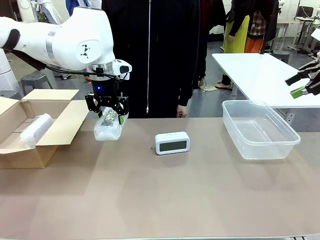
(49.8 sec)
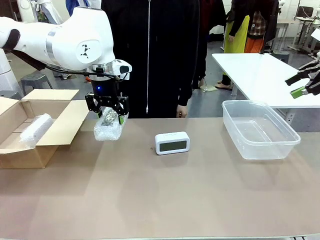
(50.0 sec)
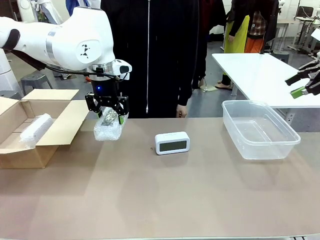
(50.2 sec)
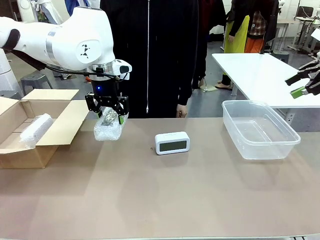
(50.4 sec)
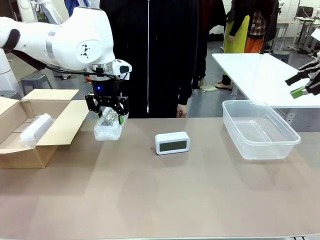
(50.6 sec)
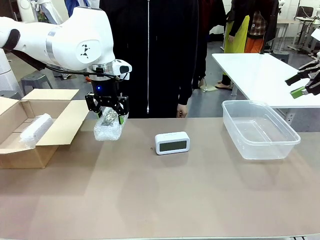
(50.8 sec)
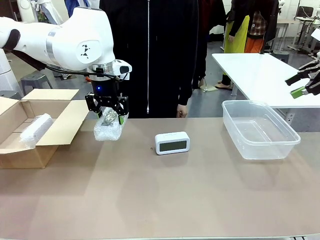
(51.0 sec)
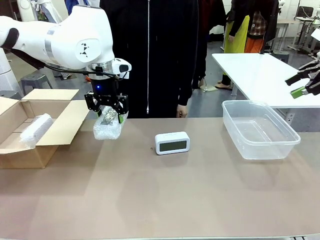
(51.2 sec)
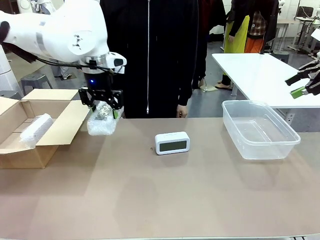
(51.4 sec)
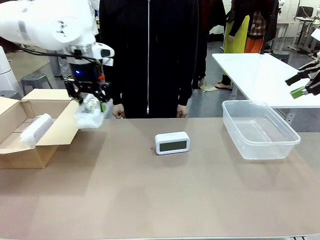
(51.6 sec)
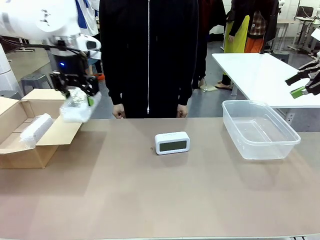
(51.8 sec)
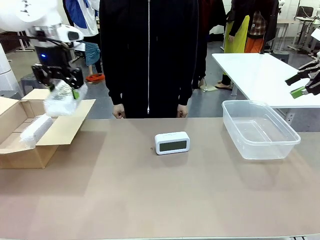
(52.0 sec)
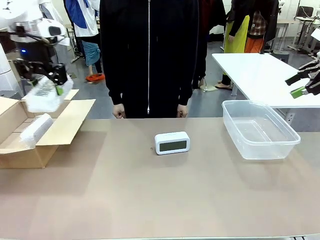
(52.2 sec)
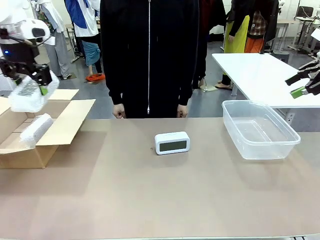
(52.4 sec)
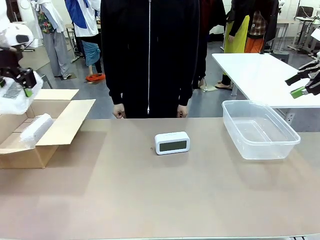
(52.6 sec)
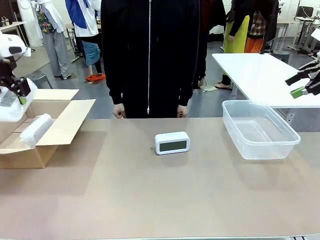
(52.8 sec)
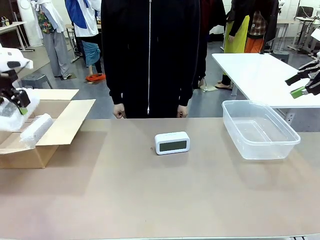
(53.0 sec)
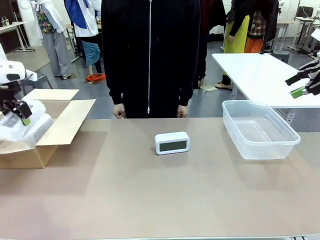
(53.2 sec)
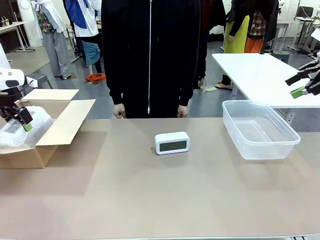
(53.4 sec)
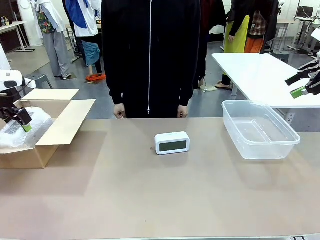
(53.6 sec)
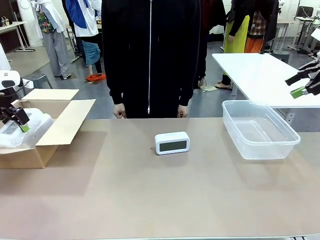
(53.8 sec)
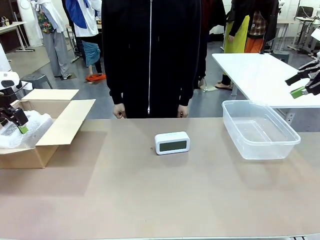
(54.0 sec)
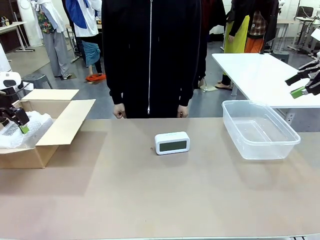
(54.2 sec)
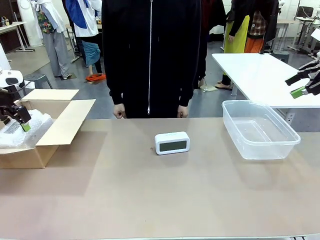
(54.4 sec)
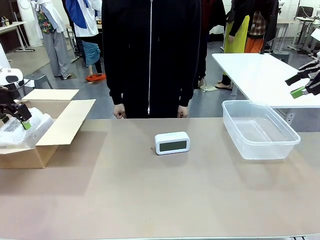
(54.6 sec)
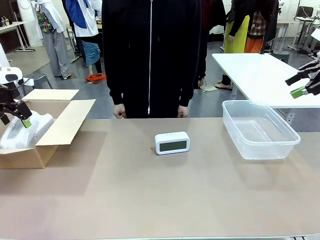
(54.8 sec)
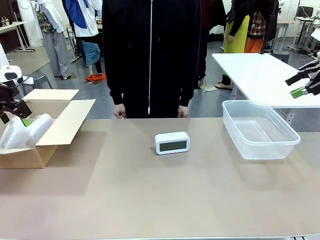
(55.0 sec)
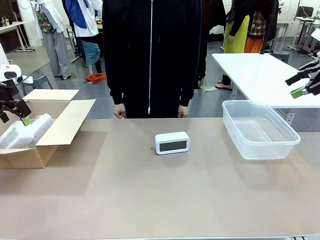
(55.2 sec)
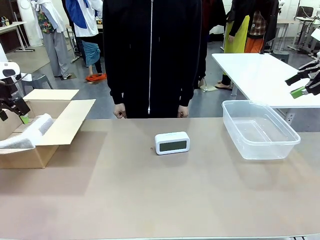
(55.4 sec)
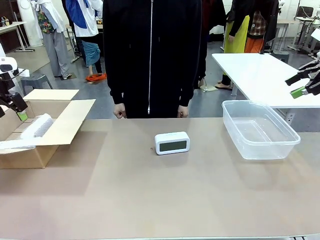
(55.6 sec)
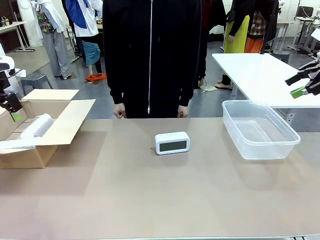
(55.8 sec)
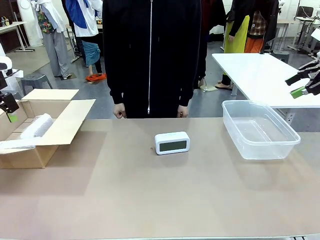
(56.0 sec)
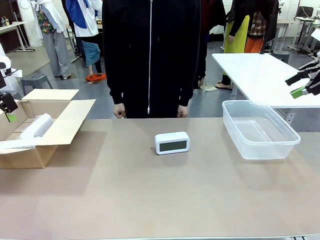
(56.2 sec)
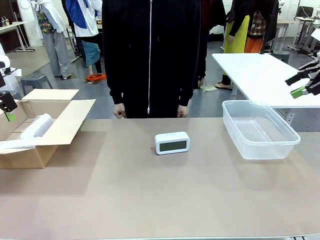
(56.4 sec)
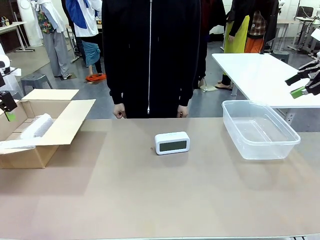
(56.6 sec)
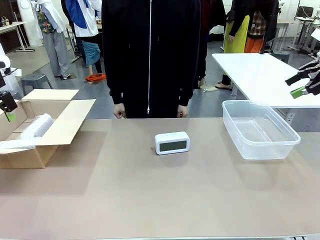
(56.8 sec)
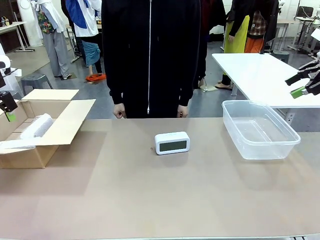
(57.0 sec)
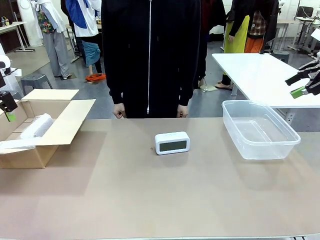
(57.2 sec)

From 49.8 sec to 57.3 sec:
Task: Separate and place wrapped and unwrapped clocks.
Robot: If the picked Digital clock is wrapped, place it in the Package Box ; if not, place it in the Organizing box.

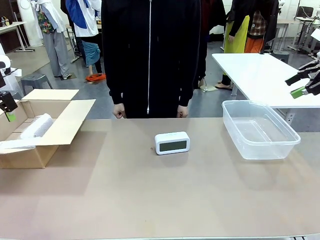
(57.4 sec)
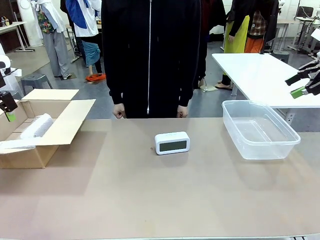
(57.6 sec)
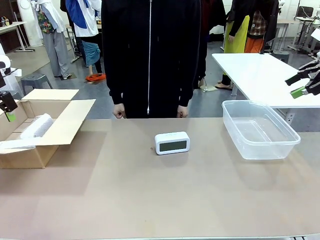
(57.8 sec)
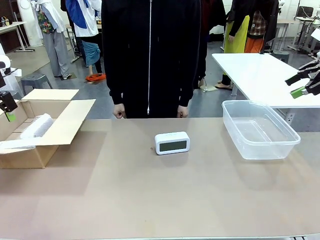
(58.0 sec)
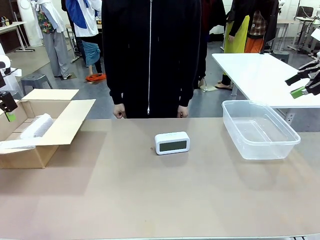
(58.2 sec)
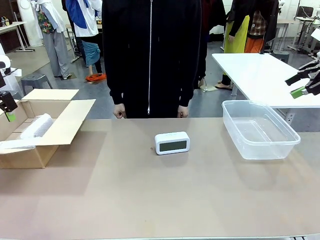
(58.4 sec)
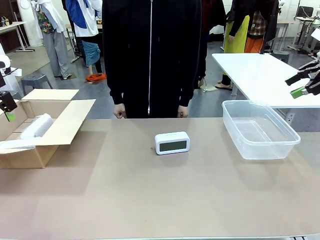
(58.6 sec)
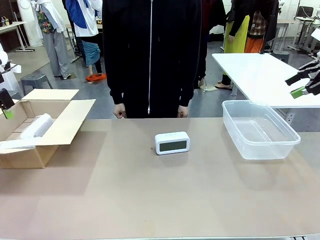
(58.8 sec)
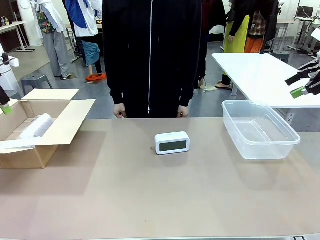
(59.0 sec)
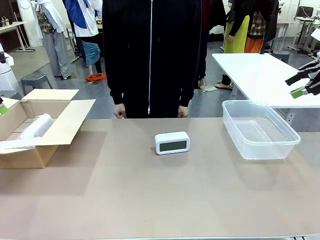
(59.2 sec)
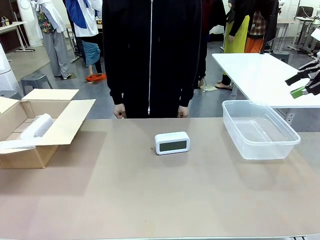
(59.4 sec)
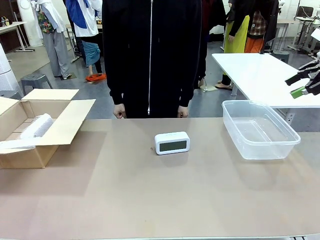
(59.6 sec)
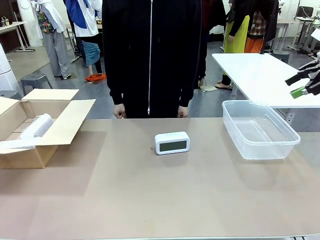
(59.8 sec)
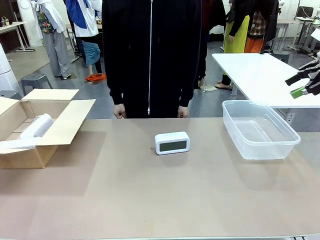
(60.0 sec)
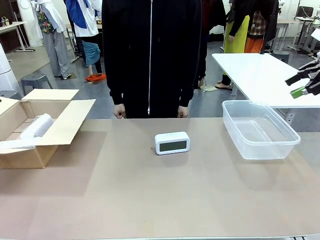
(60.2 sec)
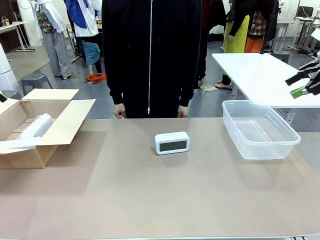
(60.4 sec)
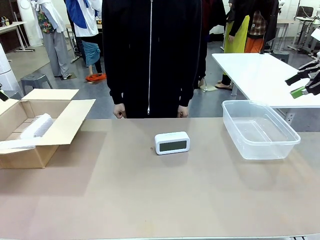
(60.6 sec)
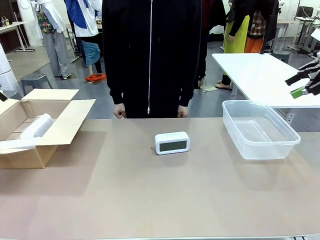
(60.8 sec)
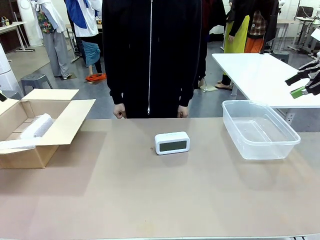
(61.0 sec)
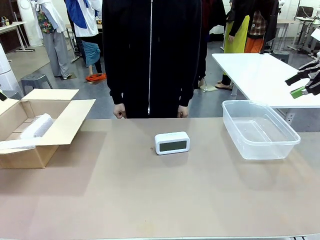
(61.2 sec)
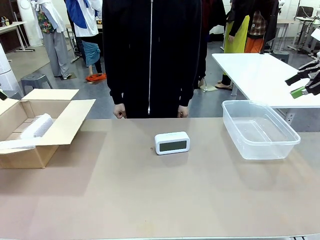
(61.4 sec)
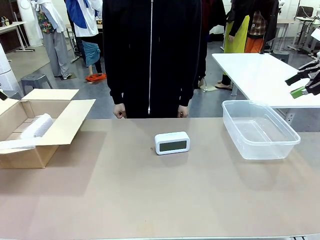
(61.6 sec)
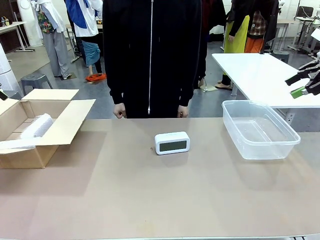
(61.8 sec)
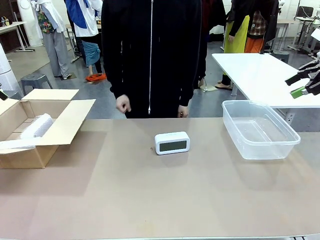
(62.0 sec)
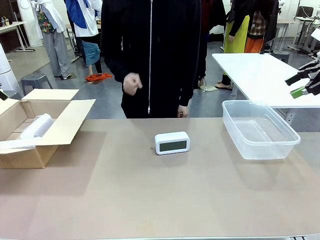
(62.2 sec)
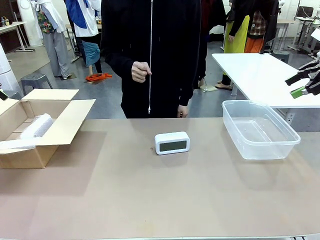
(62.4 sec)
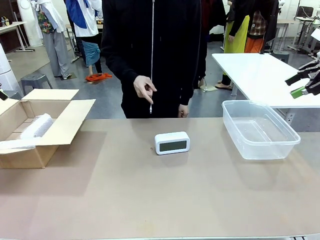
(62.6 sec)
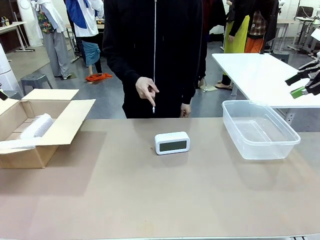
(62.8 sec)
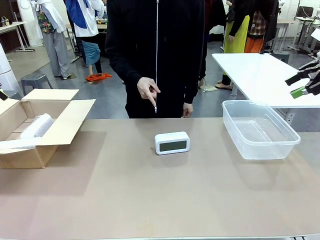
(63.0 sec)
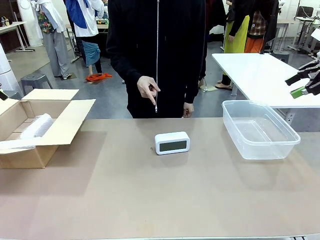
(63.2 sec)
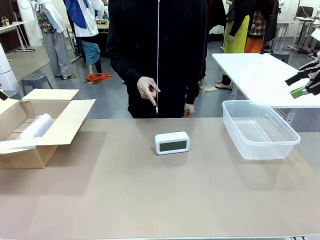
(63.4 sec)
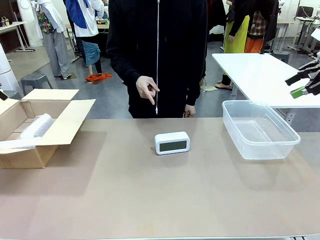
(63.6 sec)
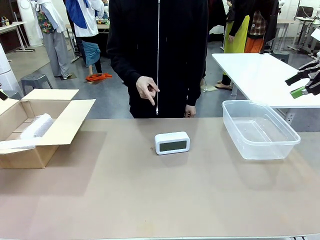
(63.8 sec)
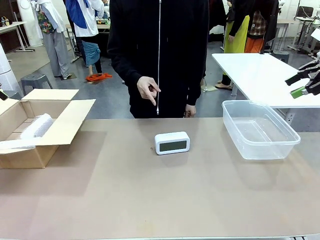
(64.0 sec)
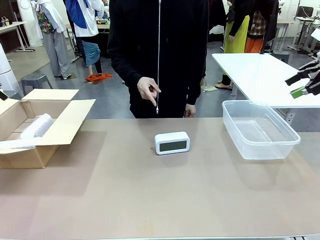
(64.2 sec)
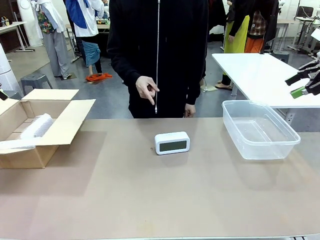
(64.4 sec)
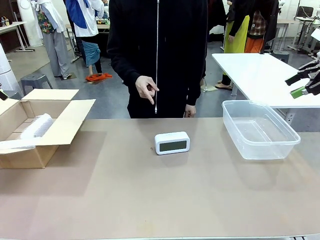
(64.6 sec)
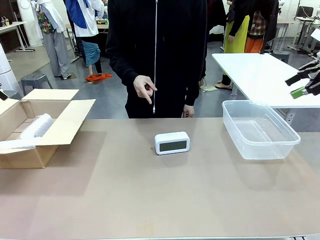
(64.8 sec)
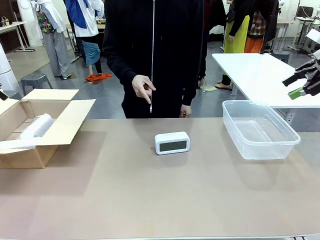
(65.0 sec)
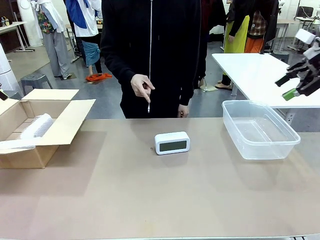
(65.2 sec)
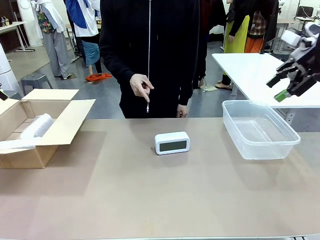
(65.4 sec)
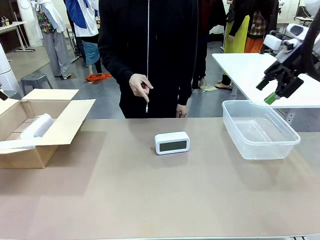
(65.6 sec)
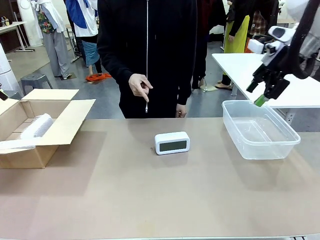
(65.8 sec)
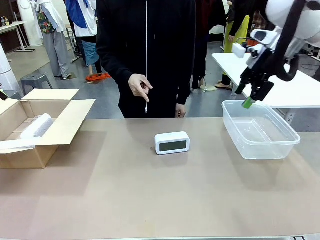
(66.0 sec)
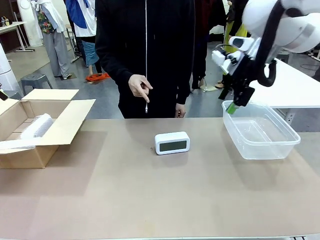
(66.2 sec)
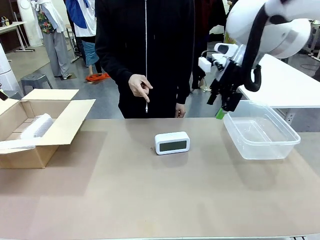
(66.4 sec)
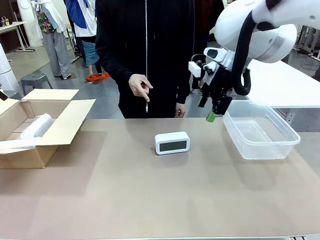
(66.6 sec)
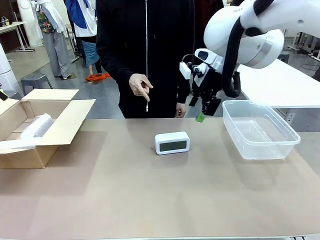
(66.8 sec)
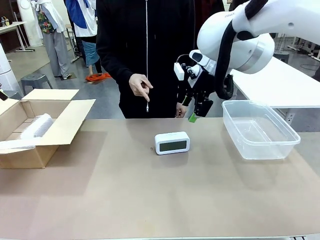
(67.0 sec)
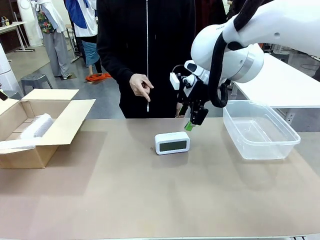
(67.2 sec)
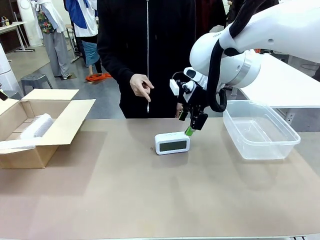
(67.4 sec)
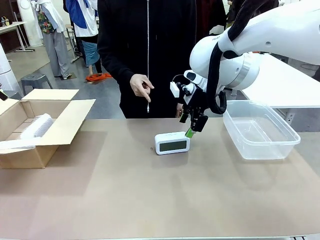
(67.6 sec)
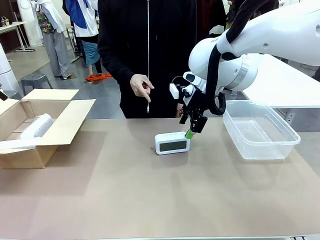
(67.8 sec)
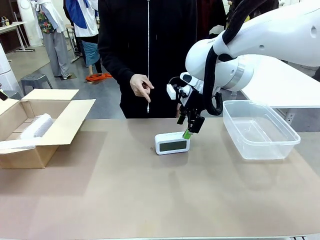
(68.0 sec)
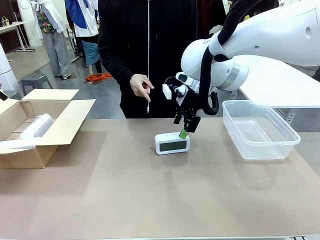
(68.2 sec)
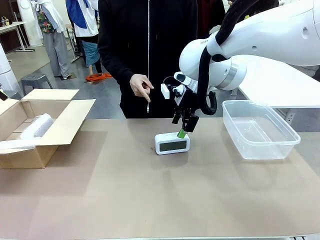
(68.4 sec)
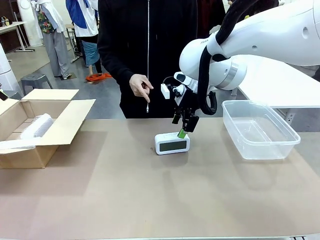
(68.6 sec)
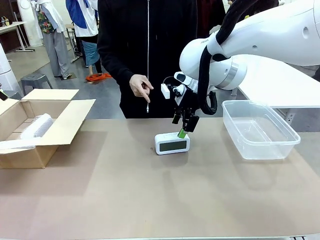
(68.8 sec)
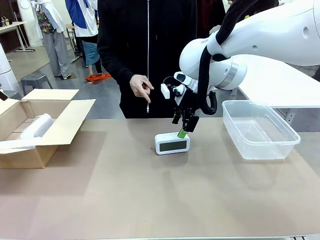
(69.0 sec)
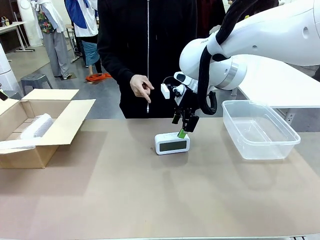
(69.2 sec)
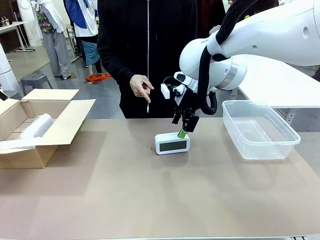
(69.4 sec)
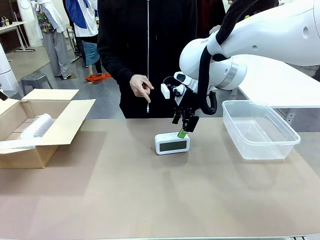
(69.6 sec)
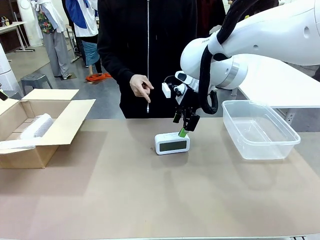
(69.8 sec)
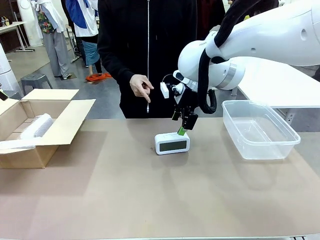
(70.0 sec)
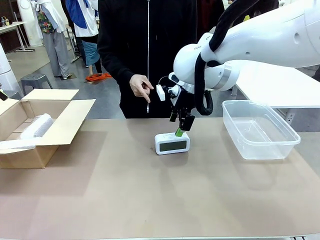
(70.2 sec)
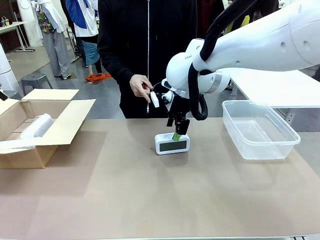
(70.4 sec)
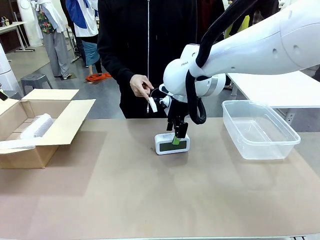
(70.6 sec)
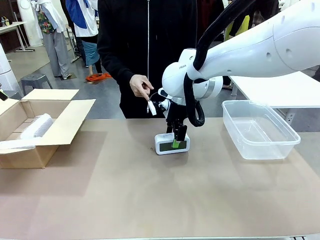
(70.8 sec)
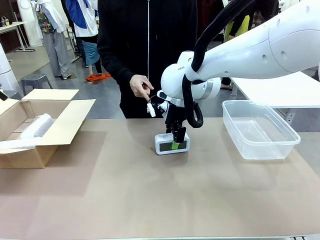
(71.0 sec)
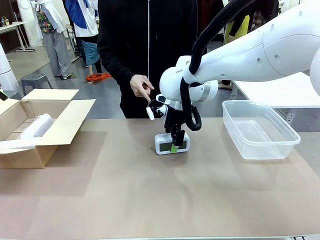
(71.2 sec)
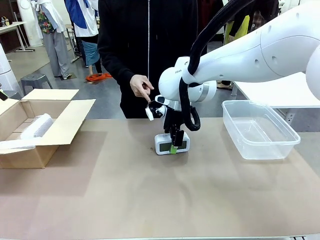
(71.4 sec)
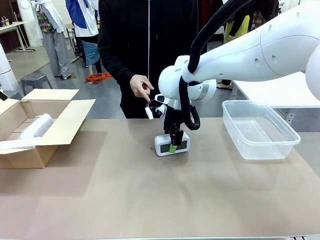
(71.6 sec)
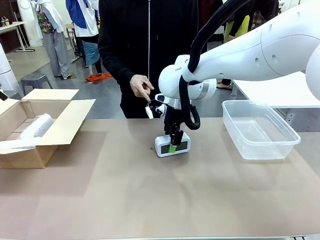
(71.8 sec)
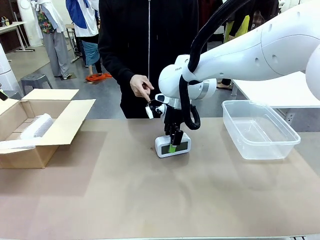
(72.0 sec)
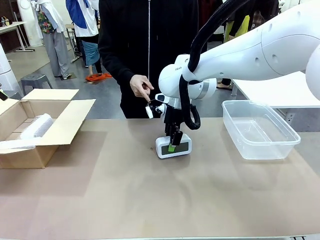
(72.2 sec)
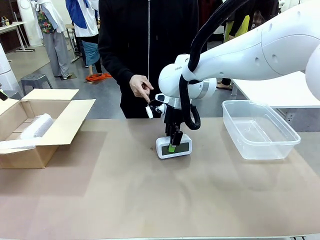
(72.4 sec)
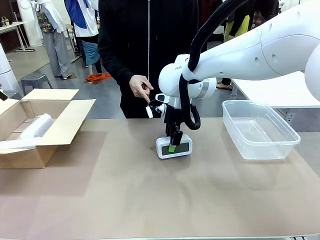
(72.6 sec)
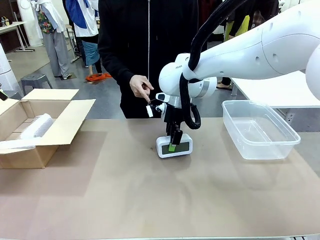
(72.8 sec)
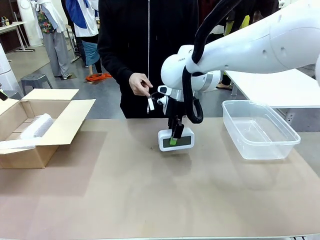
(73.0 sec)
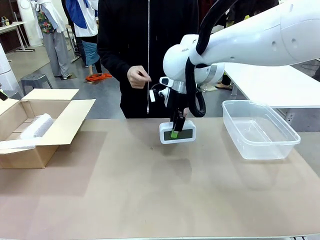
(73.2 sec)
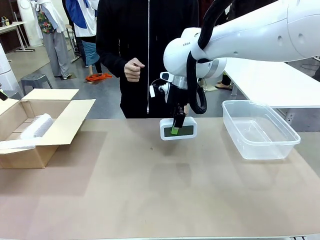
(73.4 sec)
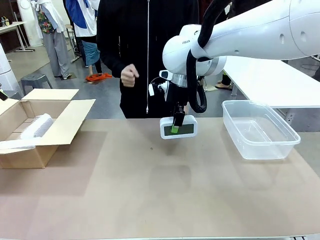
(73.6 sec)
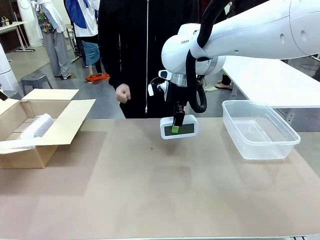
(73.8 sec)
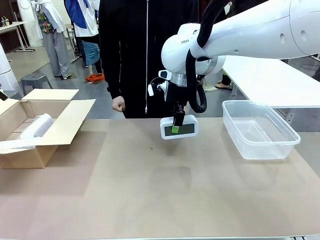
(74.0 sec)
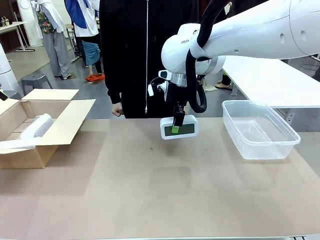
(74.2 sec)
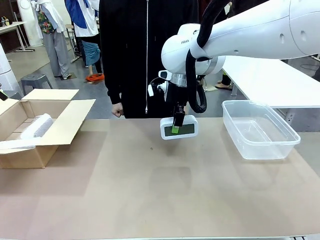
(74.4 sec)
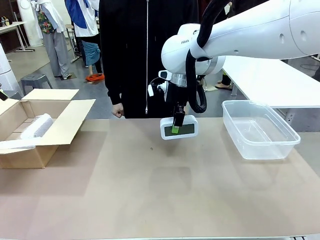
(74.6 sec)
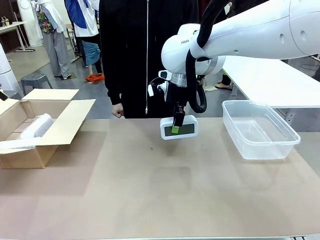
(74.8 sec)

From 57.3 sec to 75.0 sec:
Robot: Pick up the Digital clock indicated by the person.
